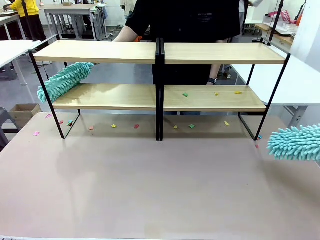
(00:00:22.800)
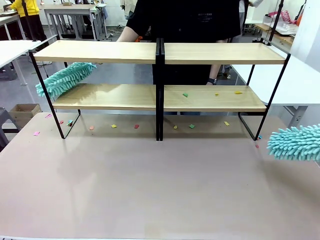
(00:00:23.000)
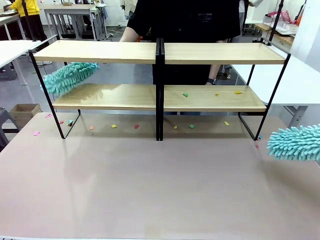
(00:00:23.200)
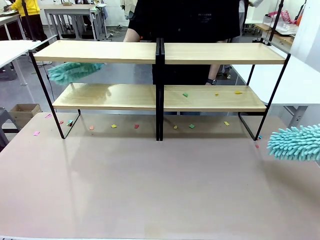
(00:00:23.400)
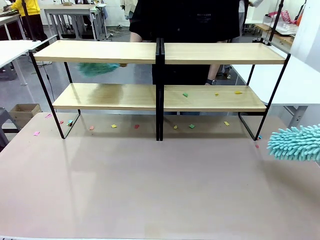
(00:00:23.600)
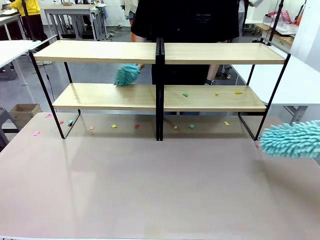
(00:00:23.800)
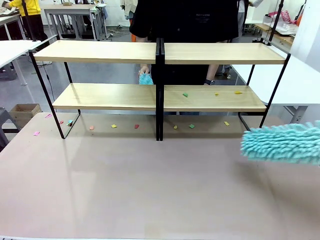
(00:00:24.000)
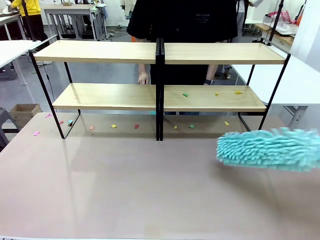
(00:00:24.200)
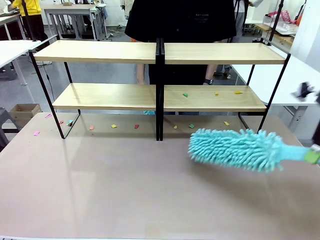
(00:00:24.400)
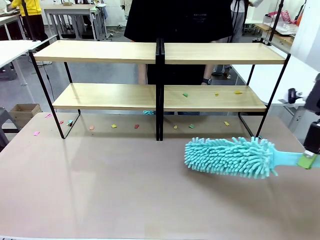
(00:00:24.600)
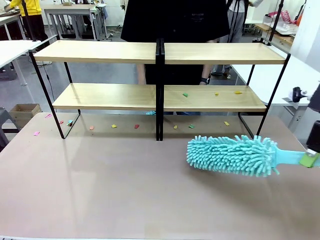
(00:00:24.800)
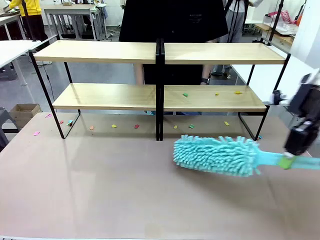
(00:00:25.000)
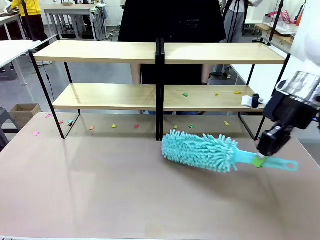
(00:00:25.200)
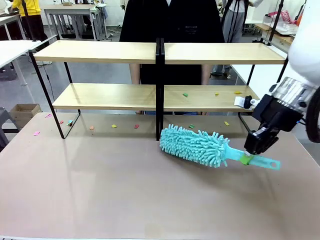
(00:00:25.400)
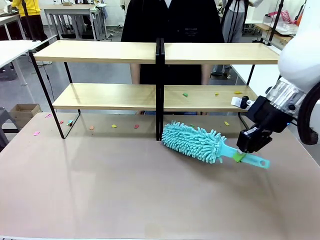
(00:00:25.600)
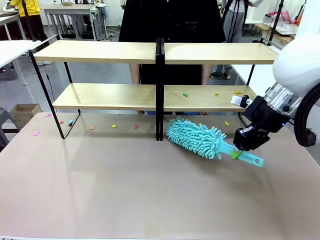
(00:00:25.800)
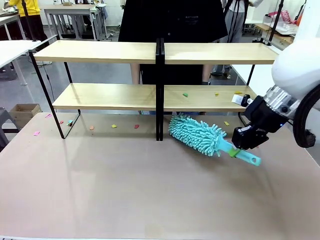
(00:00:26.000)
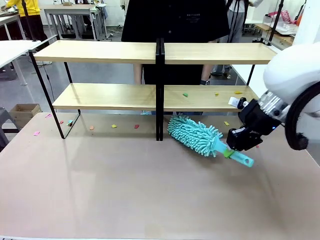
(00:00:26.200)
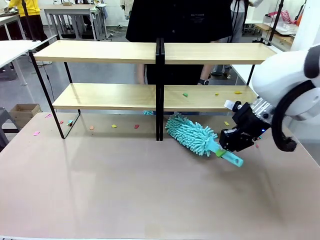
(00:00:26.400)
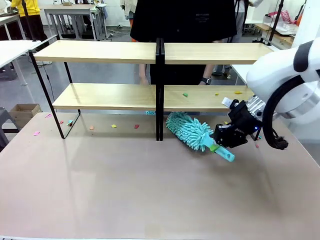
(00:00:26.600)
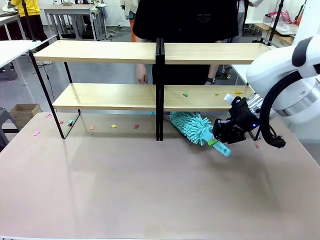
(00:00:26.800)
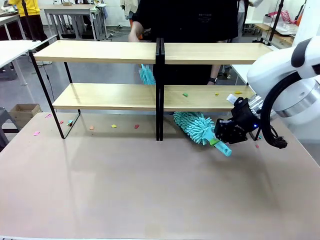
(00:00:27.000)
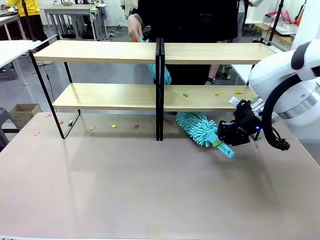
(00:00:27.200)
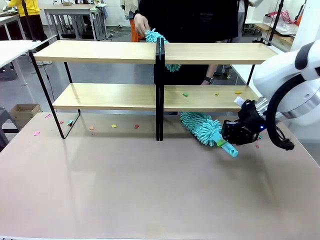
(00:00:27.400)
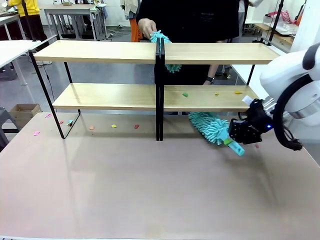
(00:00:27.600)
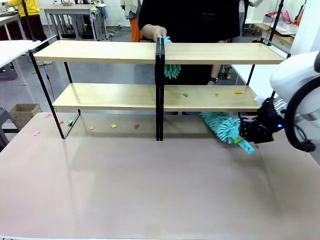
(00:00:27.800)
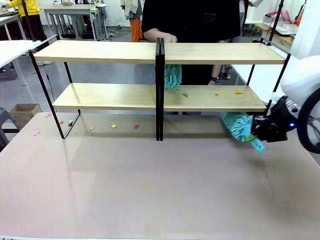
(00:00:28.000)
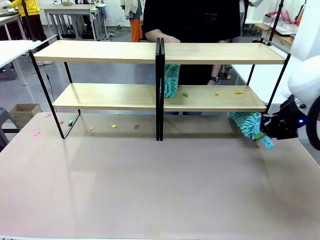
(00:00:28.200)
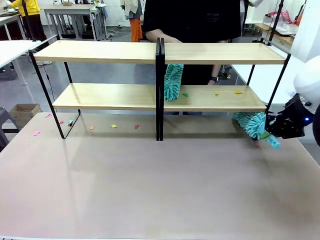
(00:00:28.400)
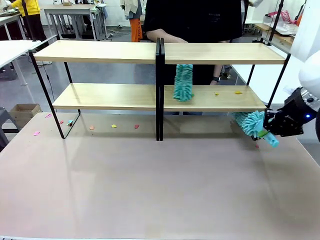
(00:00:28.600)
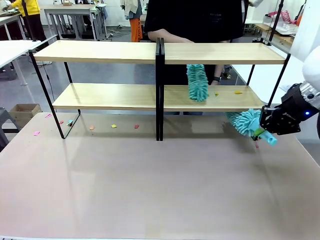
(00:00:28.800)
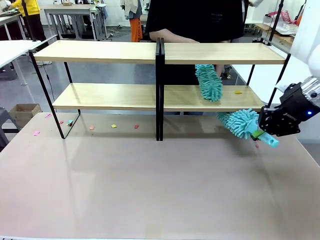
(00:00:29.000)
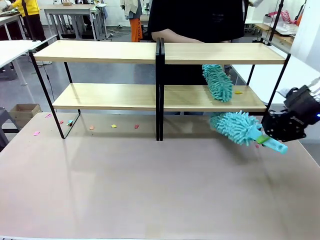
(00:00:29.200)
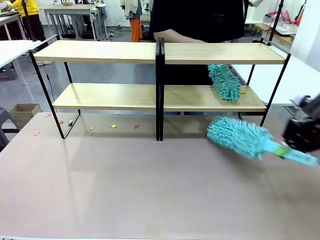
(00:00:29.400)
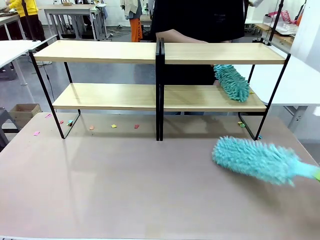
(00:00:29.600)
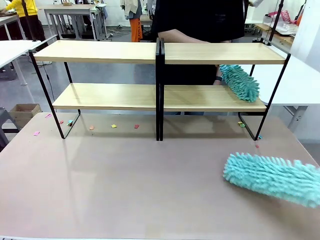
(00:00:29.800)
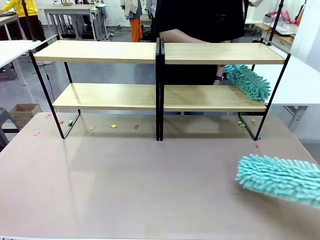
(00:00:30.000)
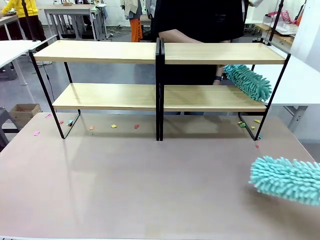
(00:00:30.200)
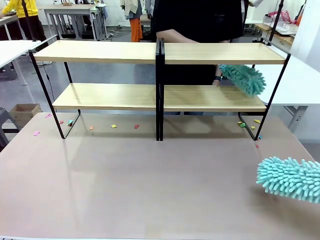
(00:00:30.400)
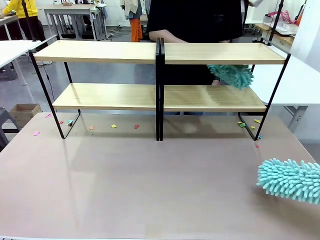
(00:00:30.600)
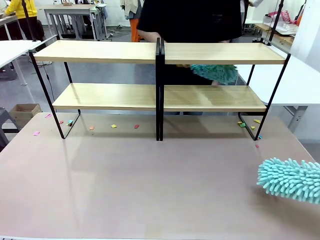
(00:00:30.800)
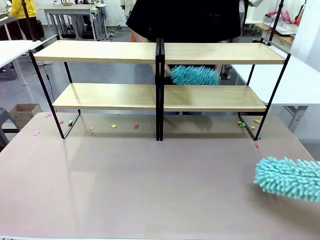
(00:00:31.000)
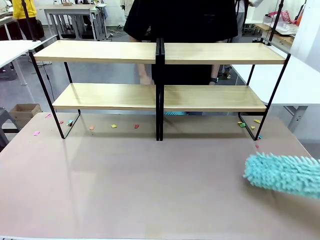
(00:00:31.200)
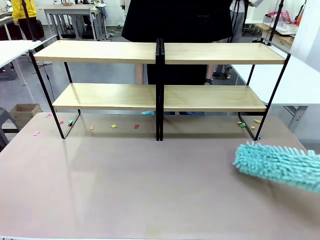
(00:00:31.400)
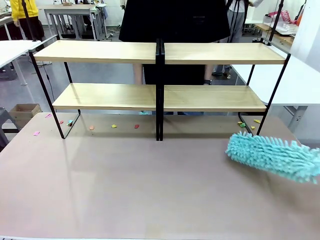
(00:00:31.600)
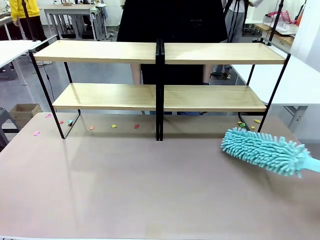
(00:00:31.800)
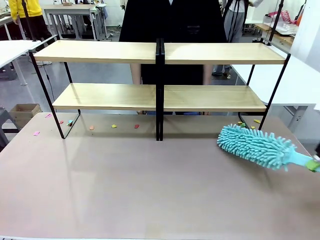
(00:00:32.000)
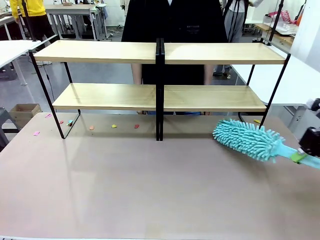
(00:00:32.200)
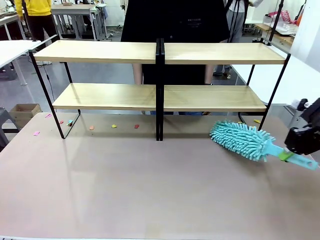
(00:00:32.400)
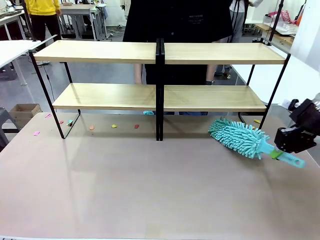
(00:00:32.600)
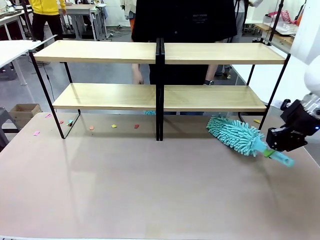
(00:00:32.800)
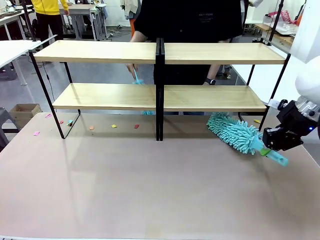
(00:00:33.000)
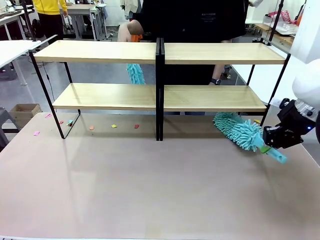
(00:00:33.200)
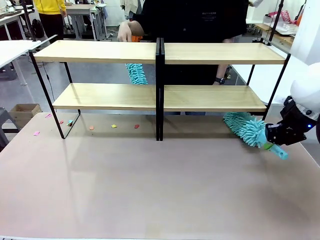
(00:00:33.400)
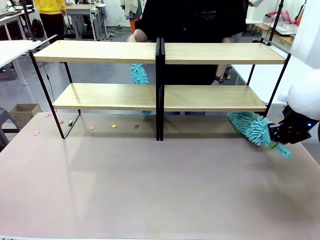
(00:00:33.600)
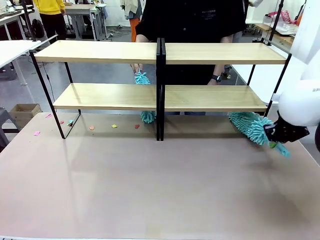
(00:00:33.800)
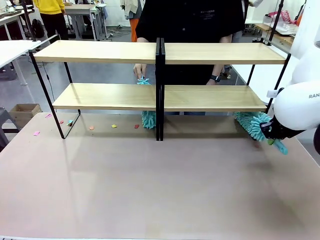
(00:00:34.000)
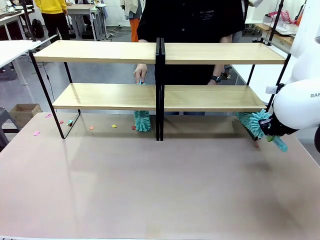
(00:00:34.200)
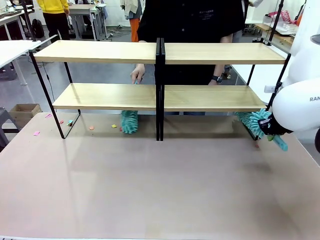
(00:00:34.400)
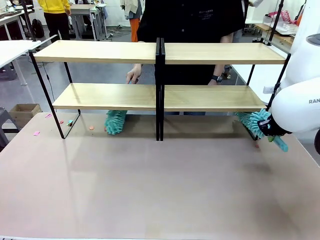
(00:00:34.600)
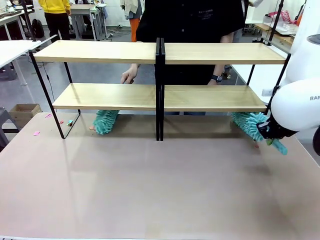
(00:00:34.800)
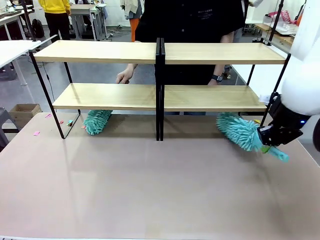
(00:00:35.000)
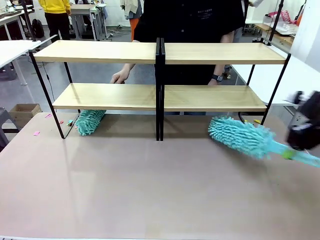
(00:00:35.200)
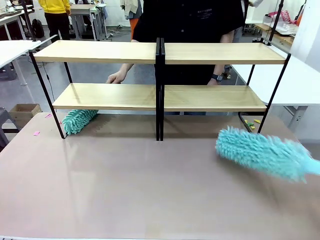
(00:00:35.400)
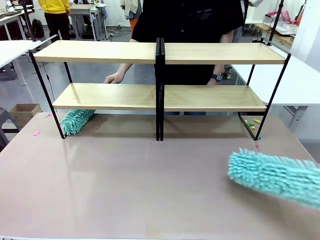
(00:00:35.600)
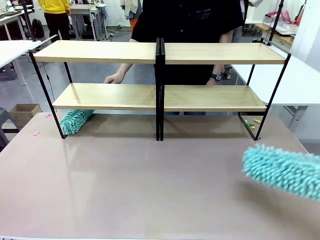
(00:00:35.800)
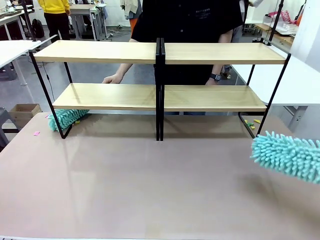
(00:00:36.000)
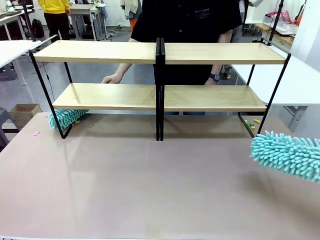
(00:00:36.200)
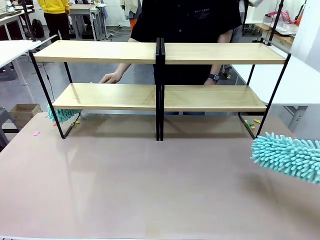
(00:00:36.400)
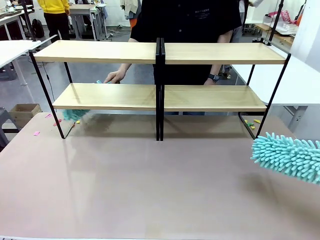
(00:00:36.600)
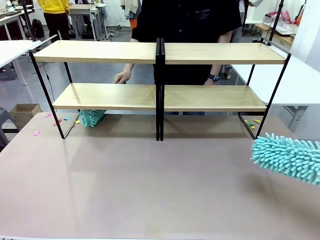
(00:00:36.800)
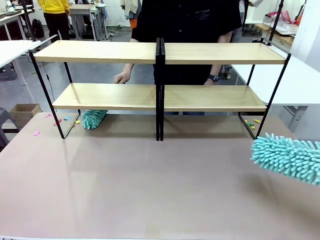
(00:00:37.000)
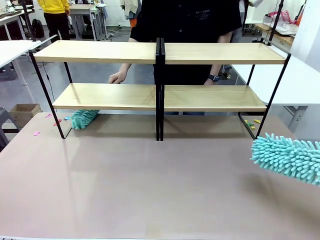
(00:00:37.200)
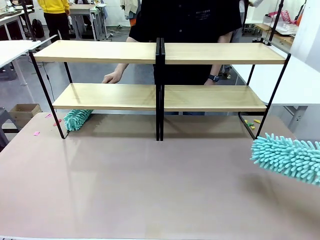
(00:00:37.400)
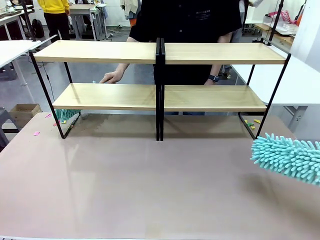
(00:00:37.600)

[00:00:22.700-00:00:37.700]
Task: Clean the shelves.
Robot: Clean another randomly selected level of the Shelf with the Duster.

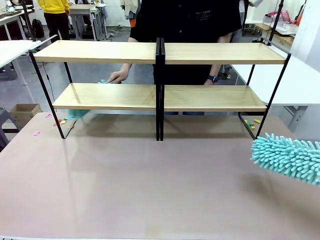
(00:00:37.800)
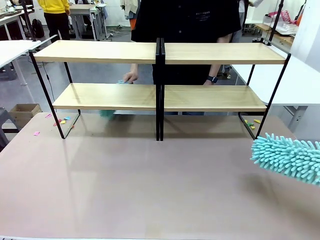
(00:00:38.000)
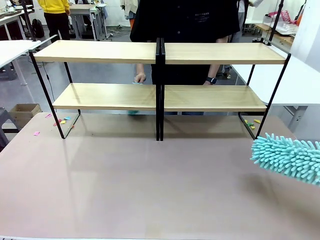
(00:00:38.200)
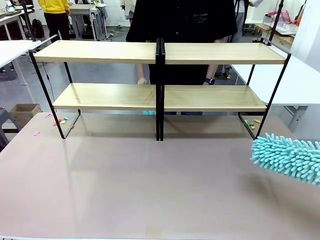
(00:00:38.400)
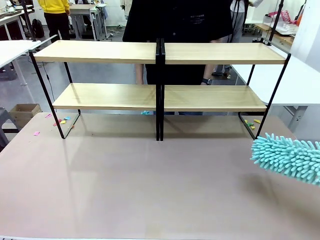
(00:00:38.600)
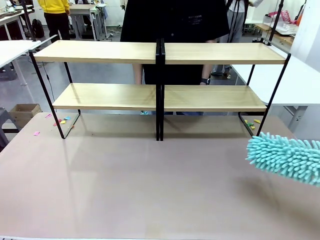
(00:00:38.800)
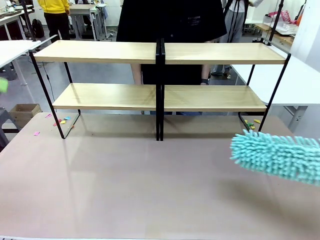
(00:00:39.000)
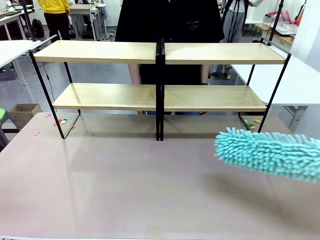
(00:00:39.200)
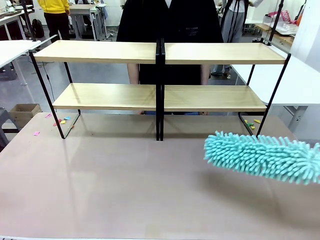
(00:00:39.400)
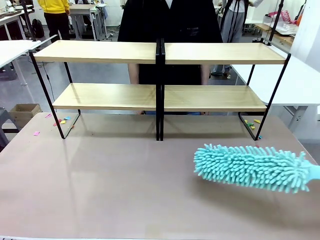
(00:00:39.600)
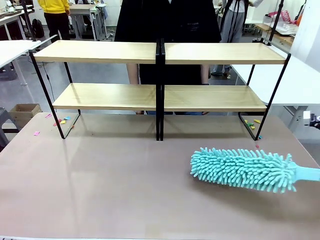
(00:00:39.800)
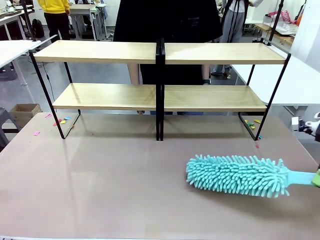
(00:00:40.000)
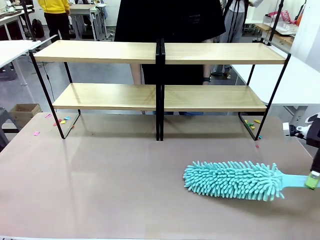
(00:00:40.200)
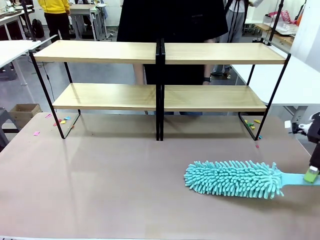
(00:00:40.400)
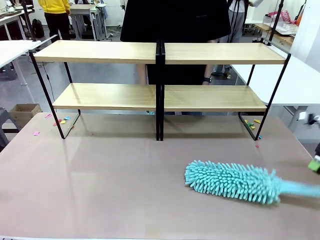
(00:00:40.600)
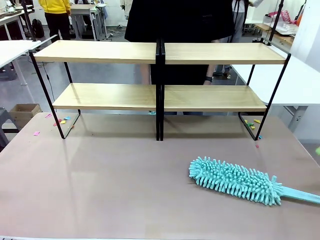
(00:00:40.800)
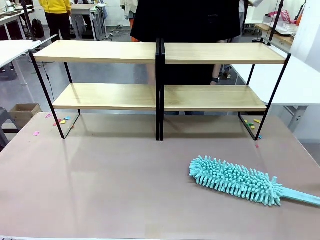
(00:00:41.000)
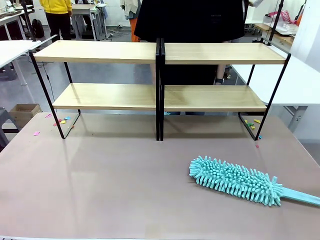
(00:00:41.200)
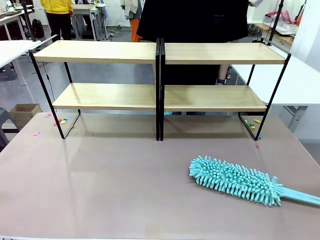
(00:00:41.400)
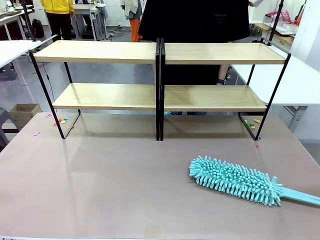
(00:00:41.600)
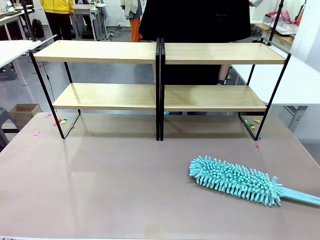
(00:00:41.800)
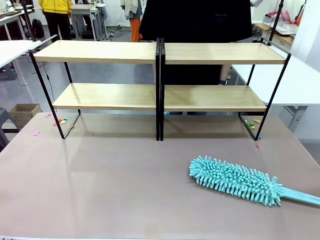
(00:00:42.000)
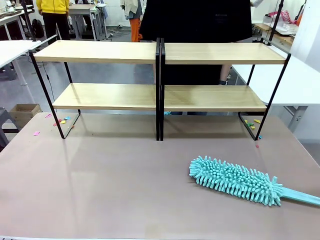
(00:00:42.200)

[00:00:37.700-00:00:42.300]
Robot: Place the Duster on the table.
